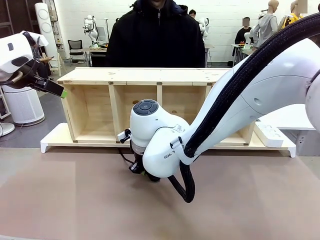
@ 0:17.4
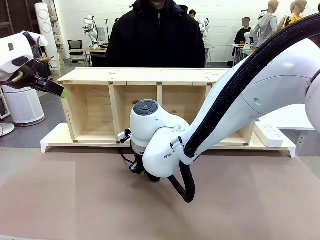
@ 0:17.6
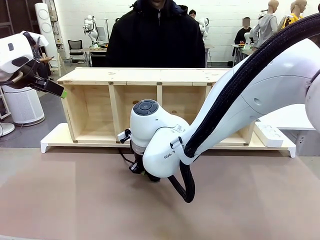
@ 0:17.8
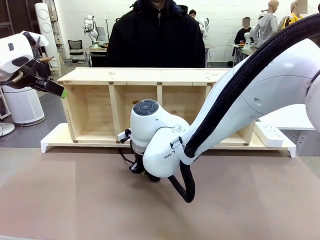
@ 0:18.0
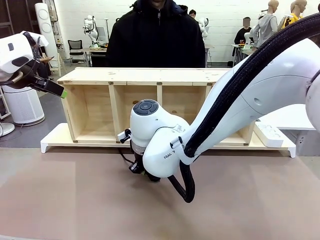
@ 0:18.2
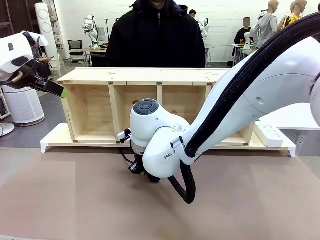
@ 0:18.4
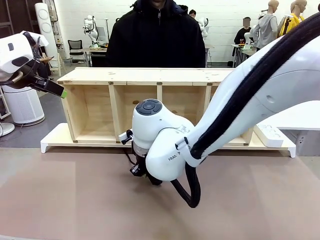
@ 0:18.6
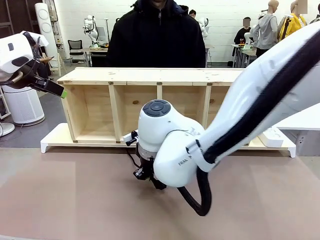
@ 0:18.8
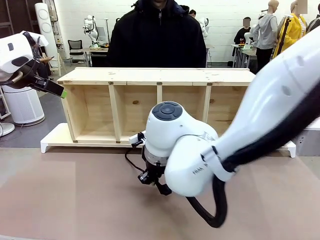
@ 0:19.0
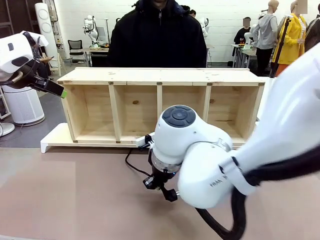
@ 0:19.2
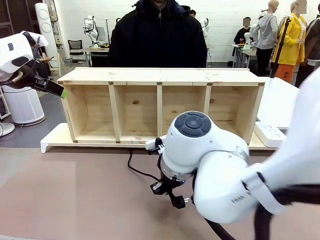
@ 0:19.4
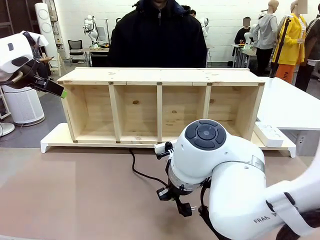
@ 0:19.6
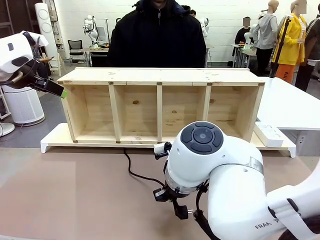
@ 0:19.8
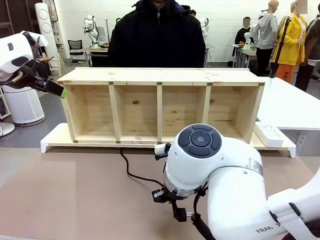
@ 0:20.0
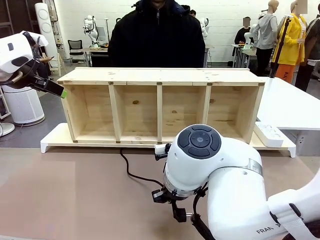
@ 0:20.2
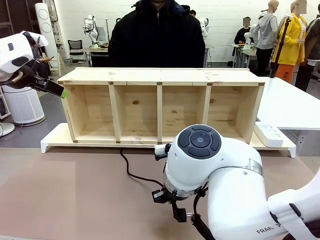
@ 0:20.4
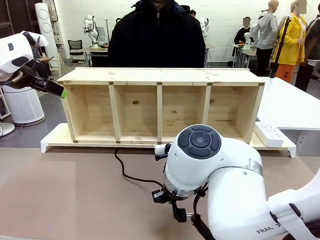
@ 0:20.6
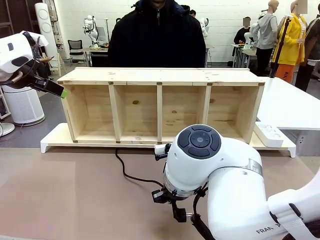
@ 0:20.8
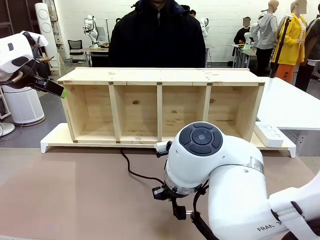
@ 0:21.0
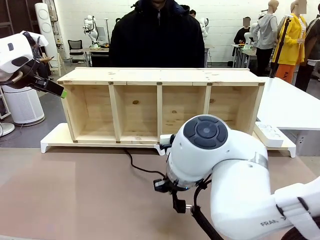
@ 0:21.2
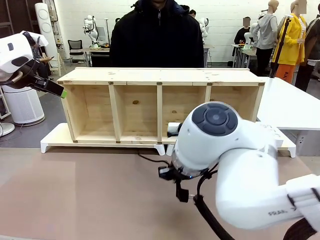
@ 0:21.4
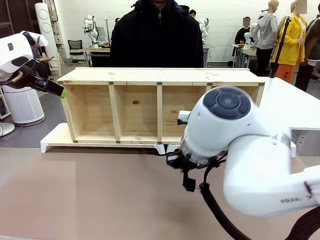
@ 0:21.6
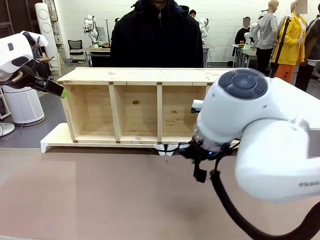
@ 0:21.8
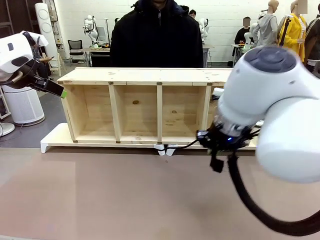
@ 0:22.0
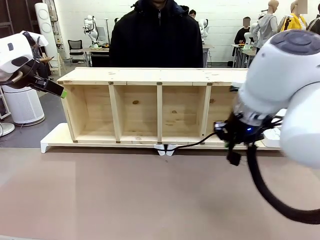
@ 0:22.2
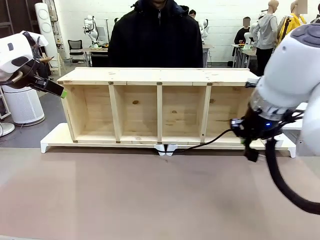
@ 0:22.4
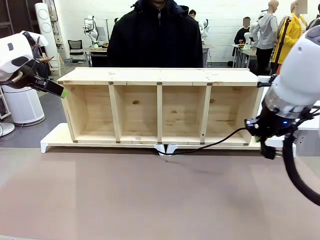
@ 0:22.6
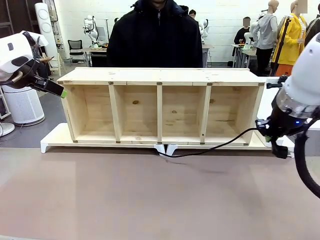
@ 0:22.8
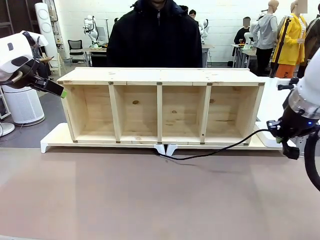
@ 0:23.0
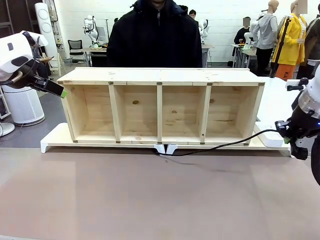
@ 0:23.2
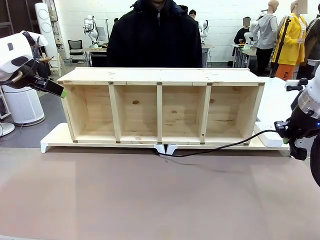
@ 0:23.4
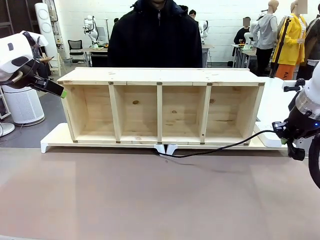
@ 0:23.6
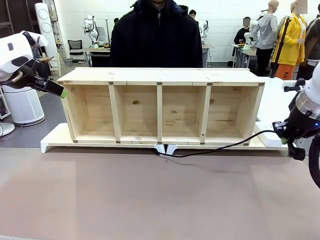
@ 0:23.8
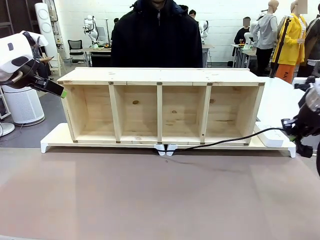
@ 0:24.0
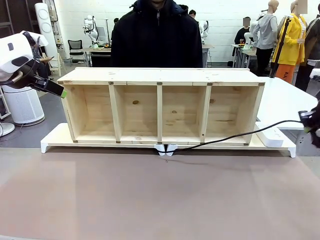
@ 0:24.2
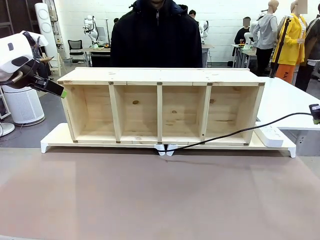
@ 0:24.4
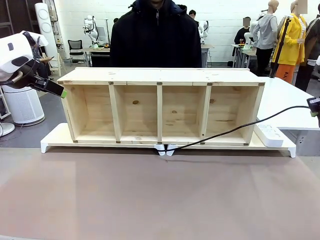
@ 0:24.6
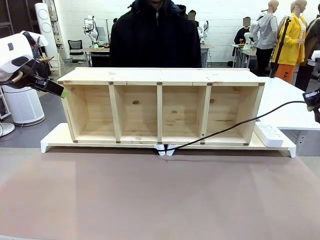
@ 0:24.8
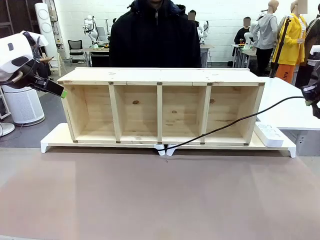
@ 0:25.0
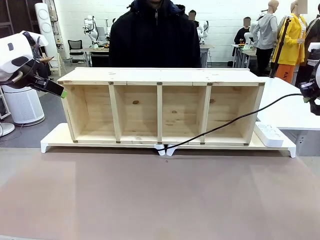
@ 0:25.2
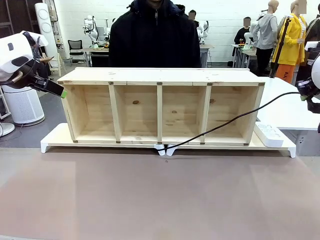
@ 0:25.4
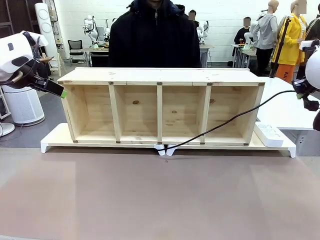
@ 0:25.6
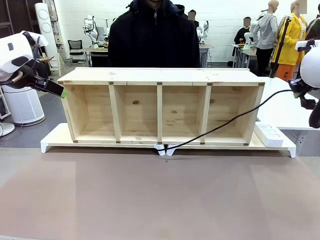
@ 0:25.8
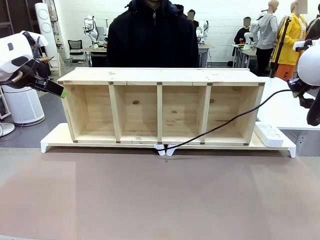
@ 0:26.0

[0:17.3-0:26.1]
Task: Perform cable management.
Robot: Pull the grasped Power Cable to the location of the Power Strip.

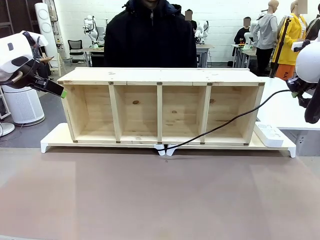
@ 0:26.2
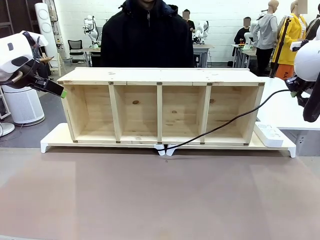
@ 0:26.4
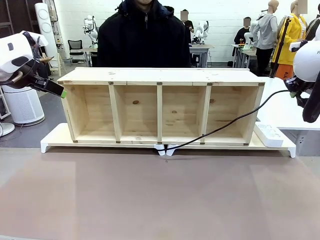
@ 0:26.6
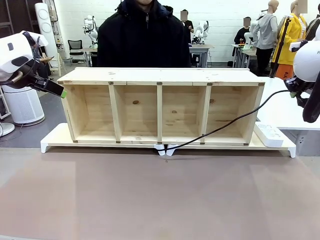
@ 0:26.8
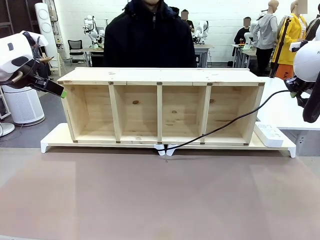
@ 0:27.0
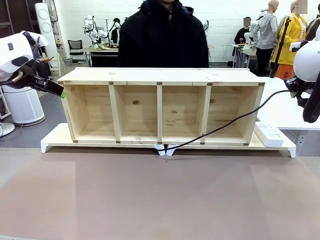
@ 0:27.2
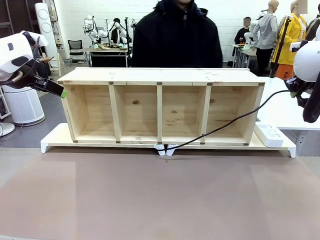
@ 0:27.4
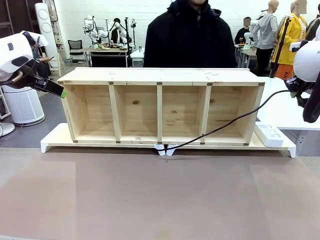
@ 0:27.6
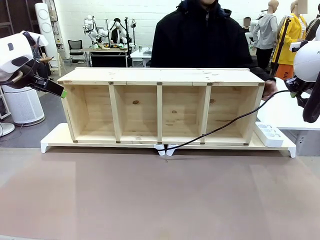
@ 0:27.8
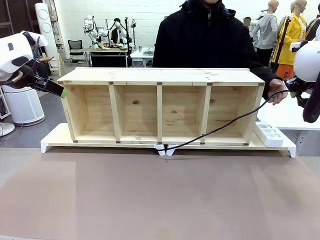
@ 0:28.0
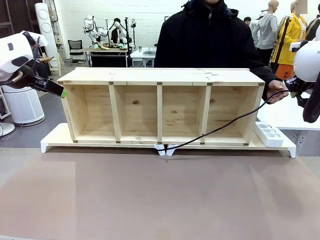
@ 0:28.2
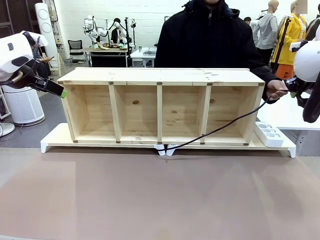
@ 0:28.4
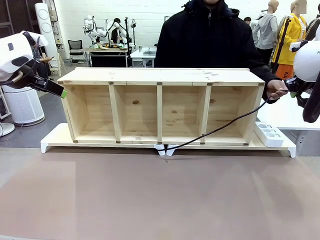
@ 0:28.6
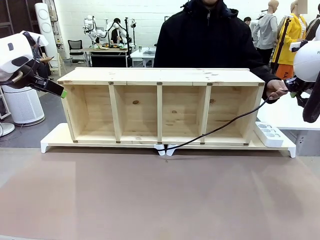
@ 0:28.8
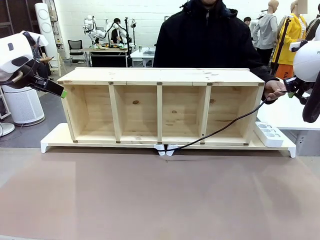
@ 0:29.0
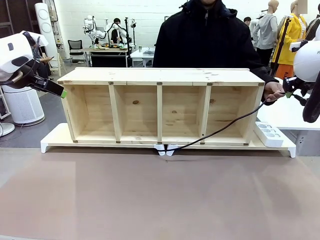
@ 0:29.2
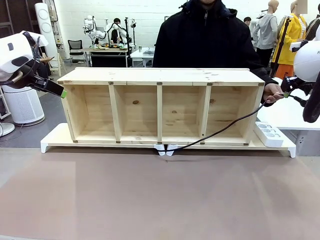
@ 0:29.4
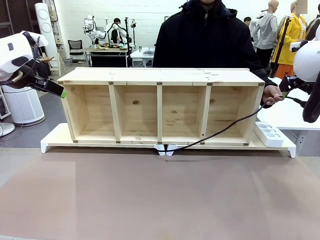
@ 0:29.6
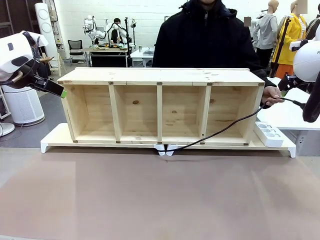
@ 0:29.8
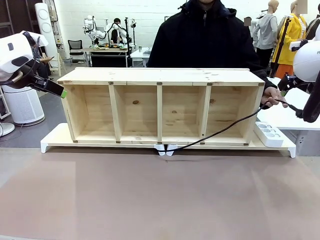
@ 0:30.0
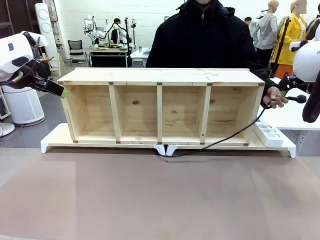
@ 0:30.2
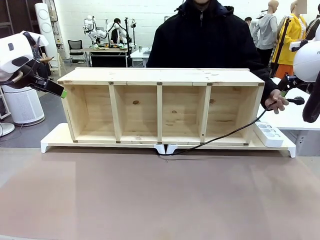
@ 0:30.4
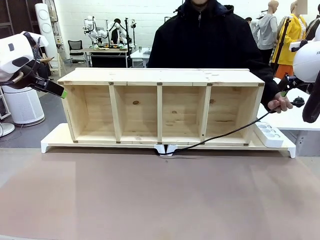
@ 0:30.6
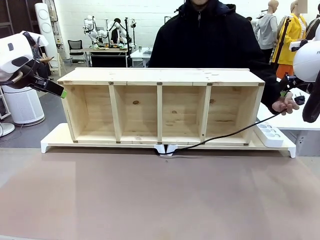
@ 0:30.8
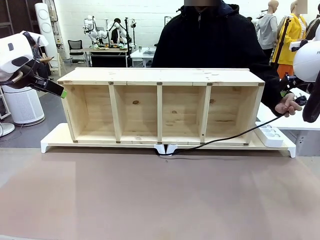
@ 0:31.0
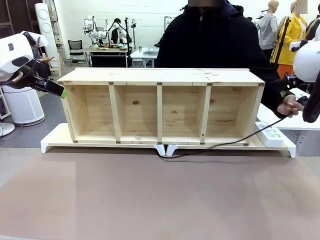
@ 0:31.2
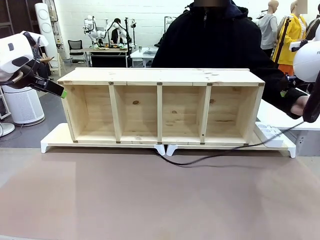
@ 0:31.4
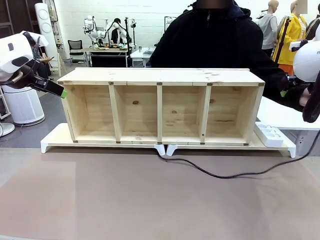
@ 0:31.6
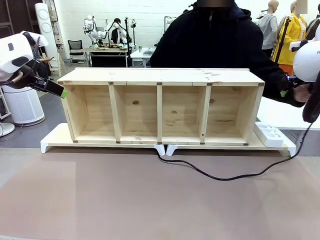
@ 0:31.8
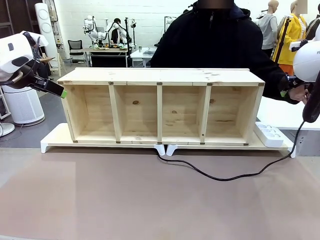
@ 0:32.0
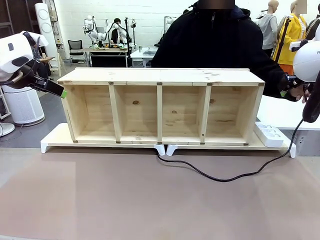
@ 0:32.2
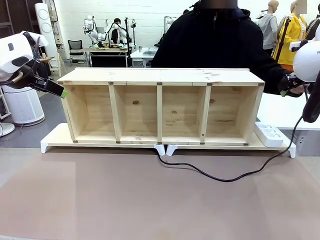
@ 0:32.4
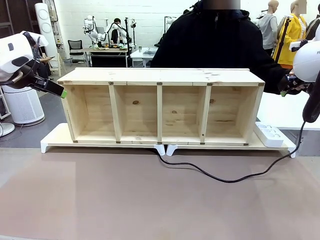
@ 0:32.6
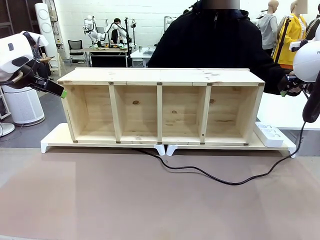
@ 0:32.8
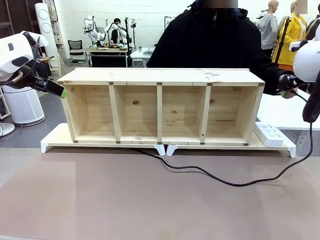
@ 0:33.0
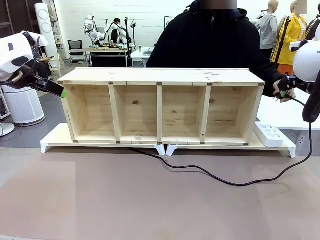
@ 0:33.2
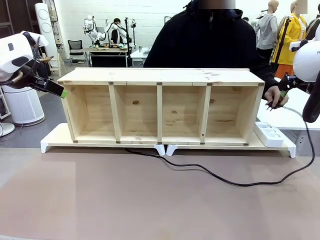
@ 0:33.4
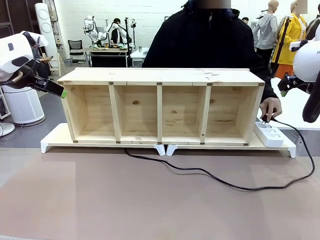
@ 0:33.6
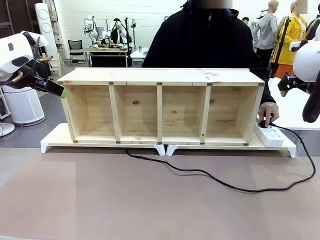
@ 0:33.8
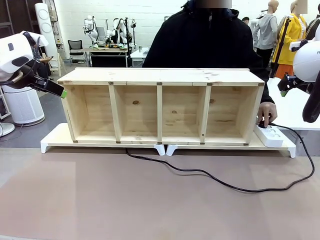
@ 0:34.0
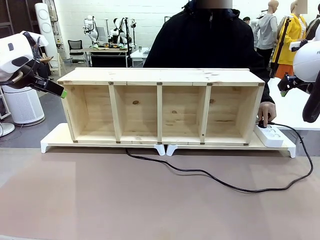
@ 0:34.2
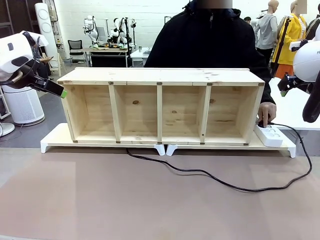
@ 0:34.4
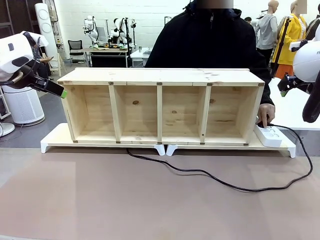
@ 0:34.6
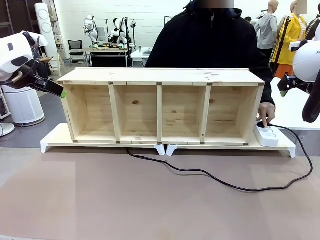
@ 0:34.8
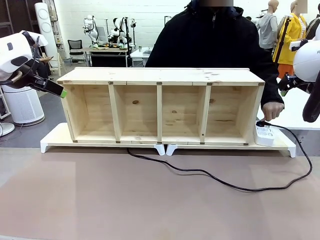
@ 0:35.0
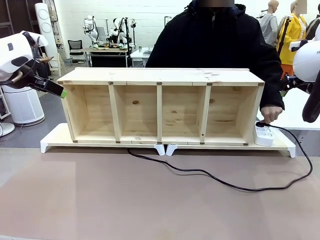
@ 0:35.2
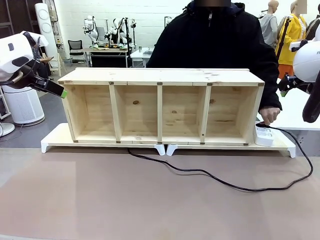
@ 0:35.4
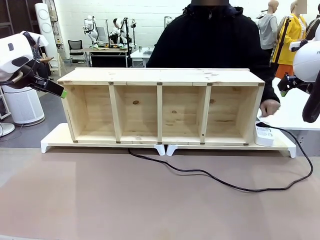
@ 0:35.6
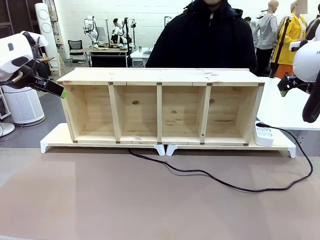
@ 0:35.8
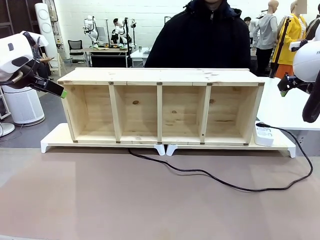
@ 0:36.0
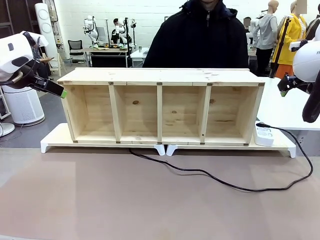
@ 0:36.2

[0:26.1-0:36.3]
Robot: Release the Power Cable when the human grasps it.
Person: Plug the Power Cable into the Power Strip.
